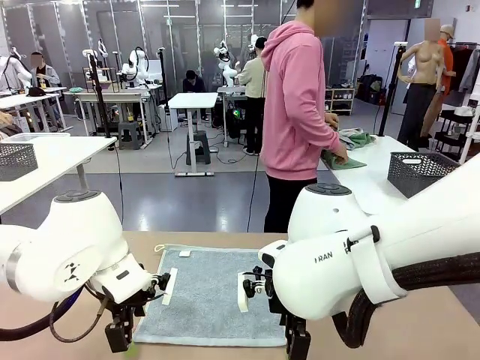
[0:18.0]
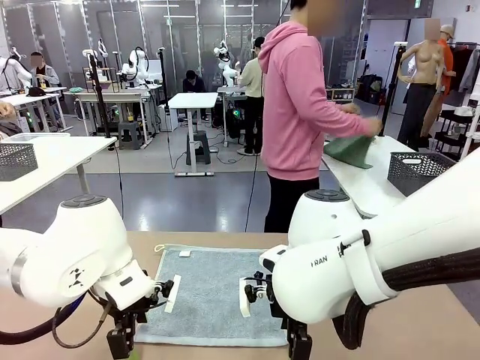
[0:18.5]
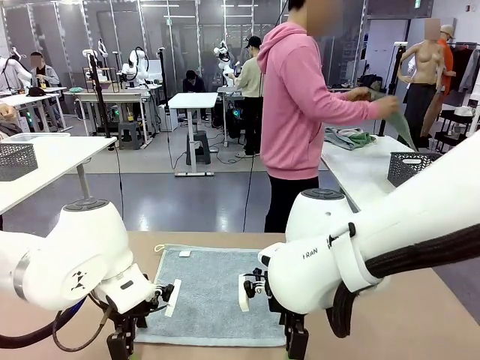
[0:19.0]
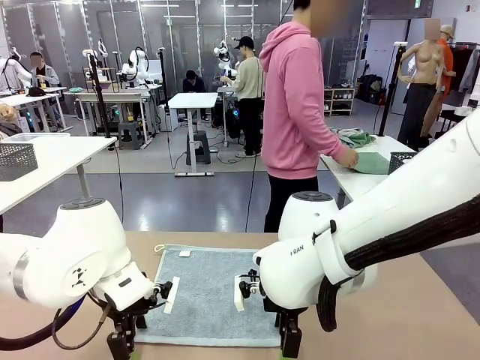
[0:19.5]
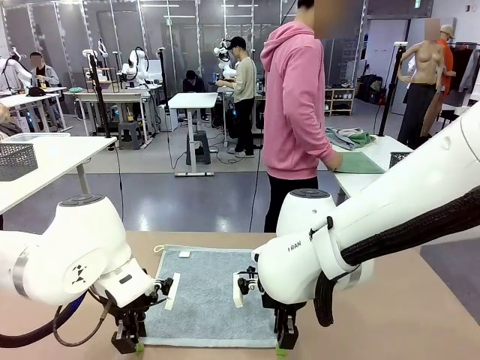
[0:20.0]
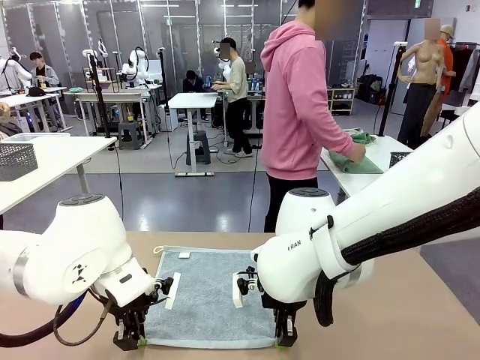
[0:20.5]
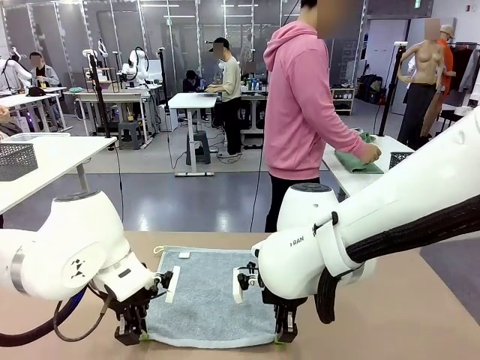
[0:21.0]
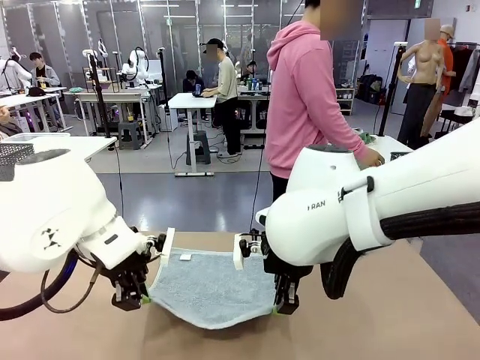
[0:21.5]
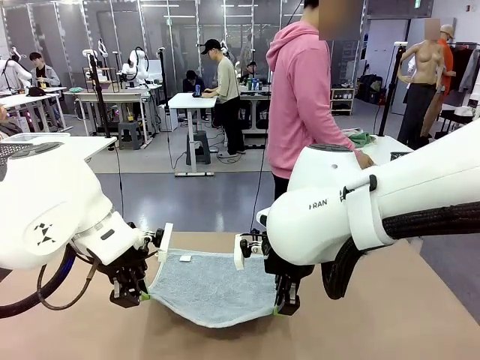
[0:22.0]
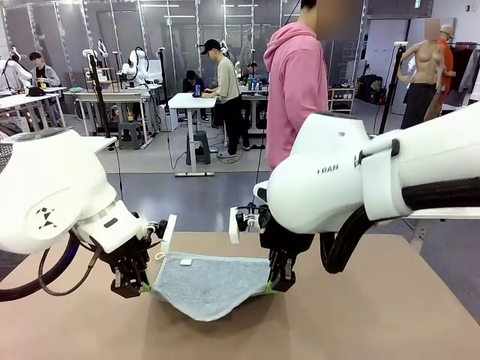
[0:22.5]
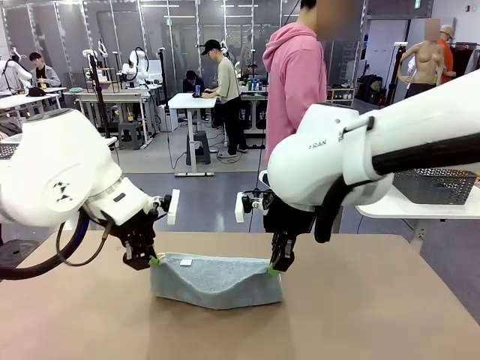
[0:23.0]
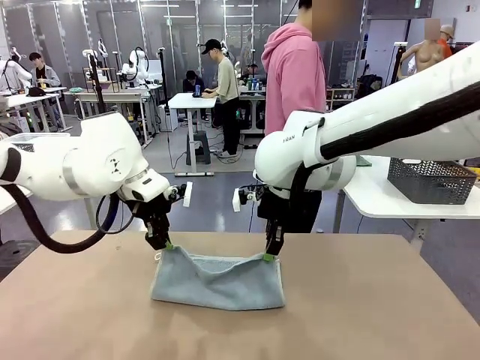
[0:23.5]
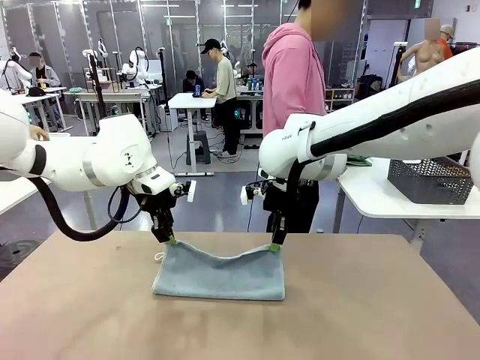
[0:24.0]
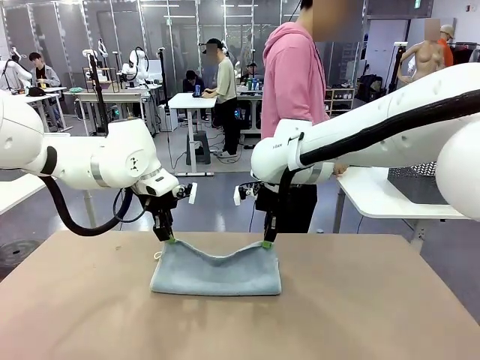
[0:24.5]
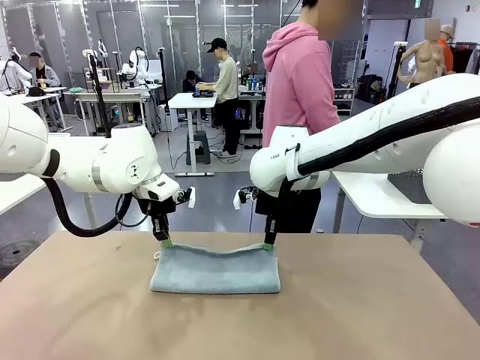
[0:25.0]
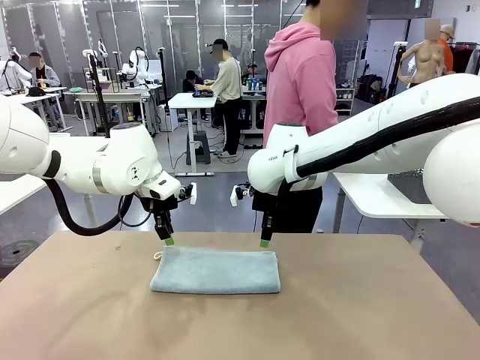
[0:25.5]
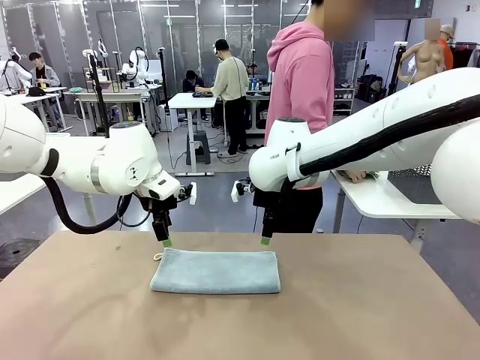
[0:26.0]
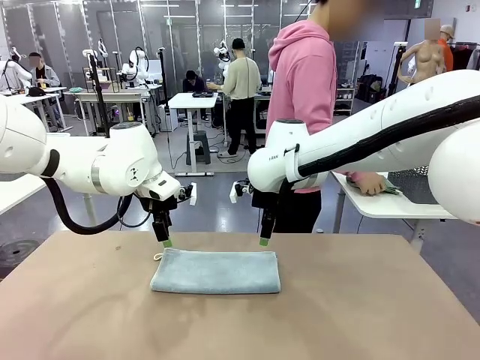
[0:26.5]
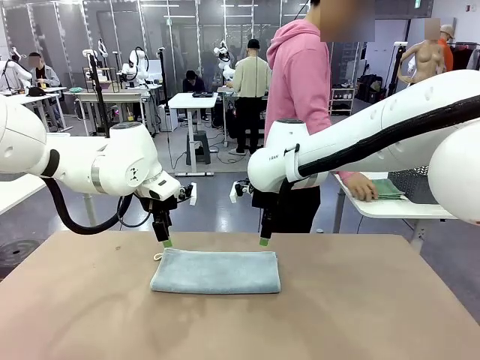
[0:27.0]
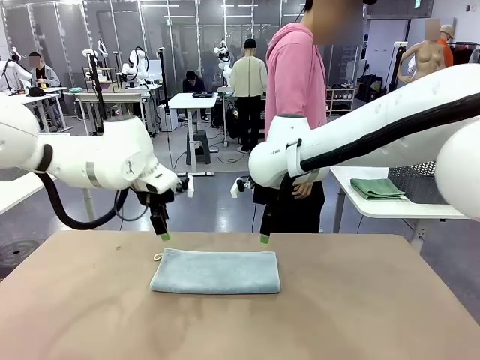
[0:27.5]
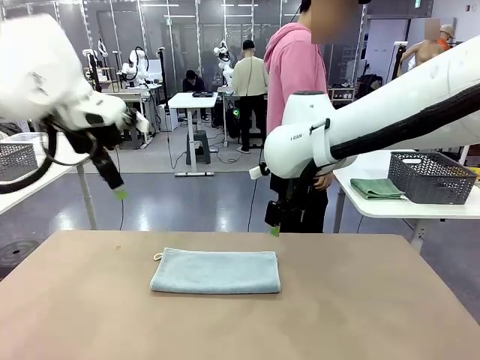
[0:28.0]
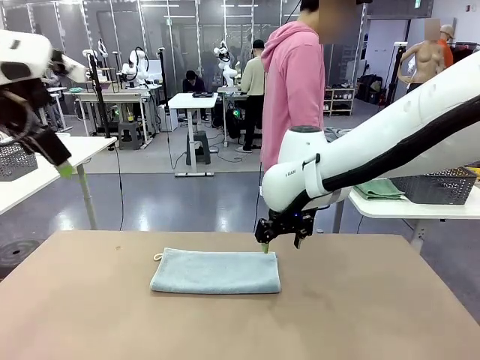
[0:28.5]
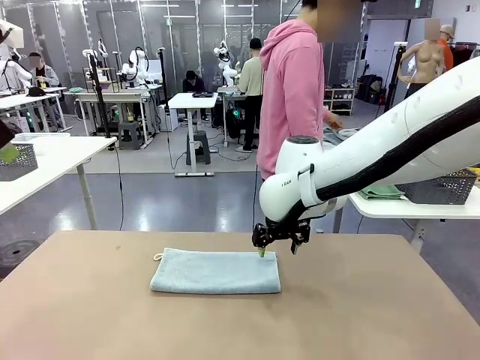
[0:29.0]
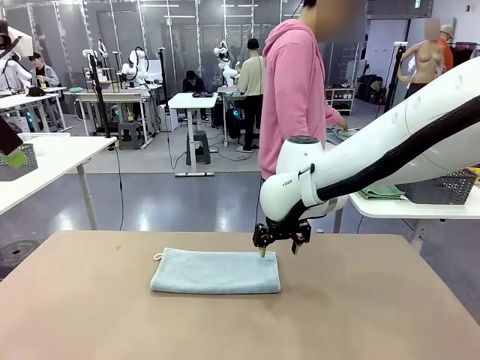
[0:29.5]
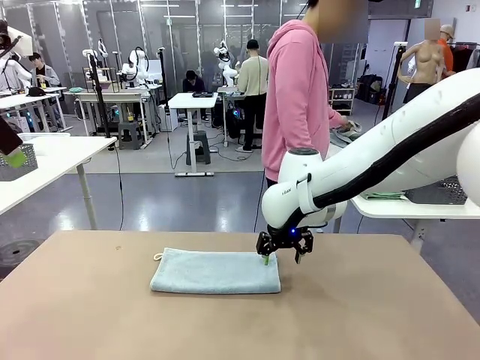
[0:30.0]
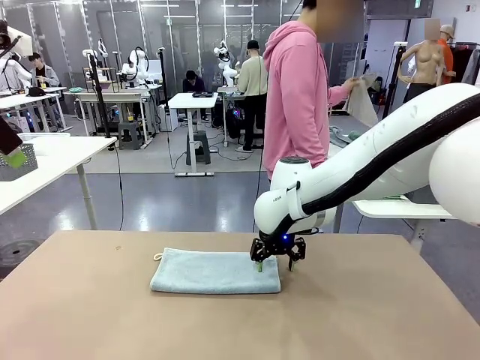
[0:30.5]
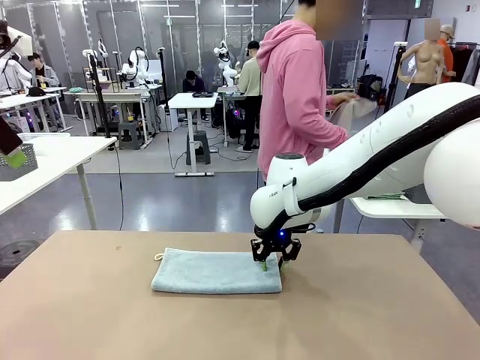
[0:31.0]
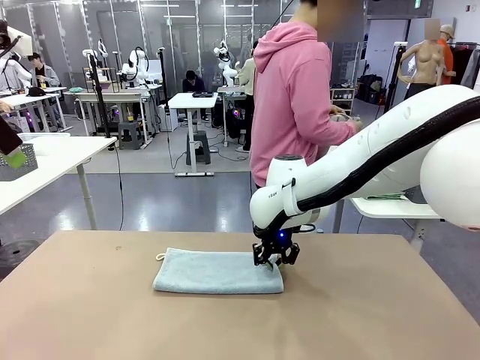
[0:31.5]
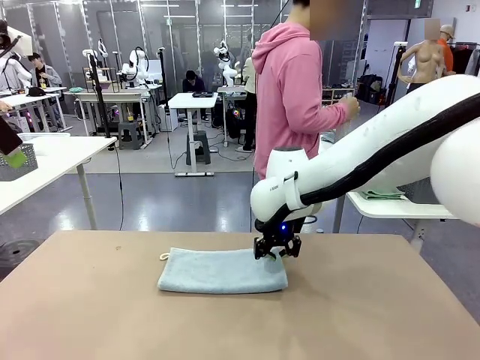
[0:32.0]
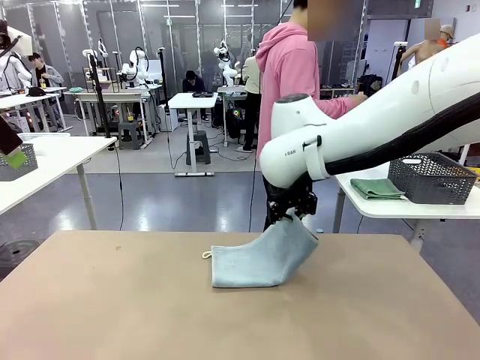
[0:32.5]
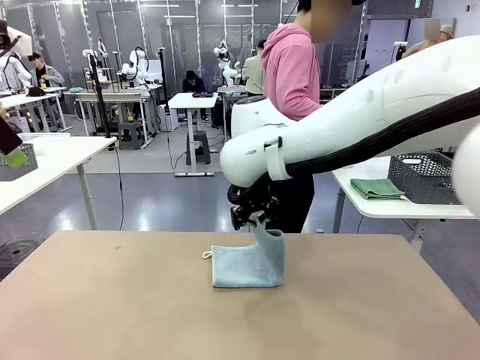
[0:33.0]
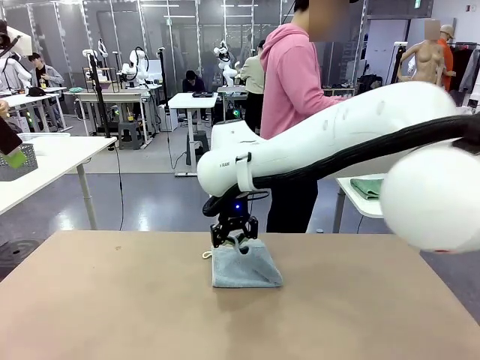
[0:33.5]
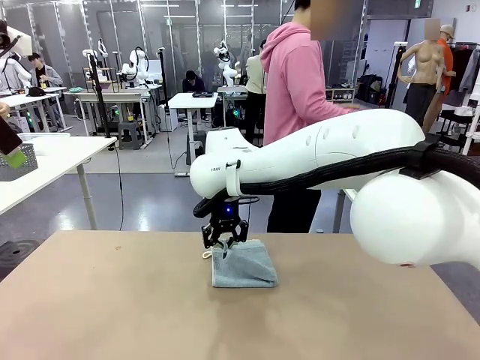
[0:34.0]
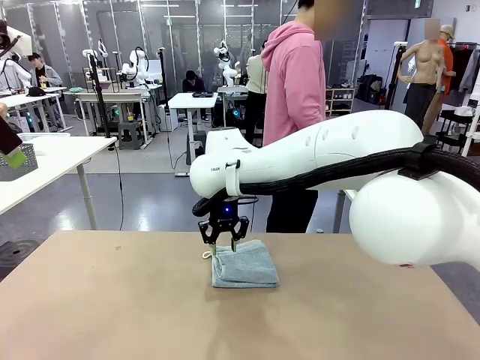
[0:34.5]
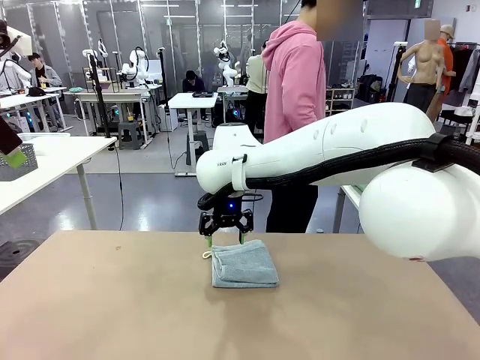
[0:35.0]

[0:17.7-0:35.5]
Task: Fold the towels and place them in the basket.
Robot: When a person lays out a Towel with hook on the table, fold it in half twice.
Person: Pick up one towel from the left side of the human table, fold it in half twice, and place it on the right side of the table.

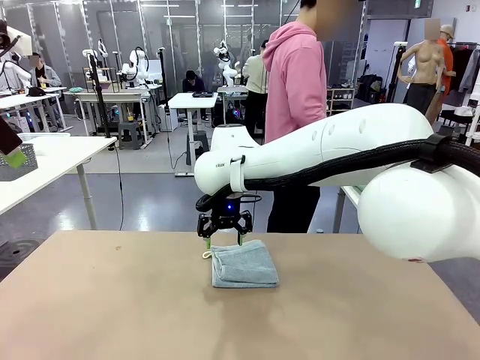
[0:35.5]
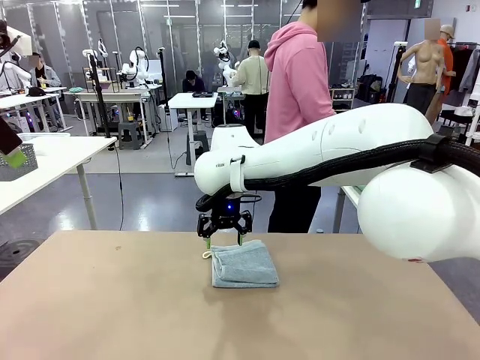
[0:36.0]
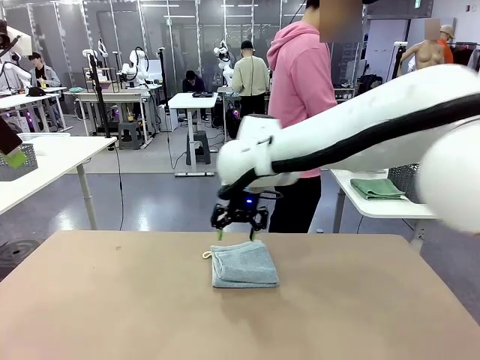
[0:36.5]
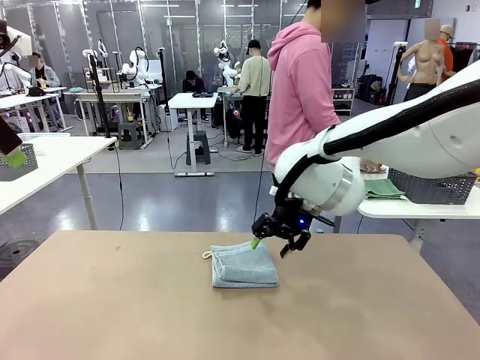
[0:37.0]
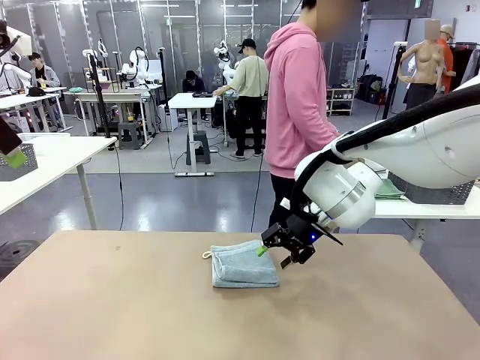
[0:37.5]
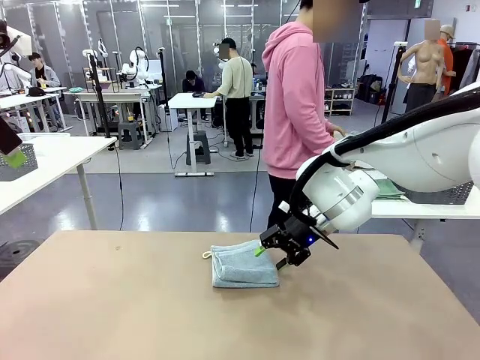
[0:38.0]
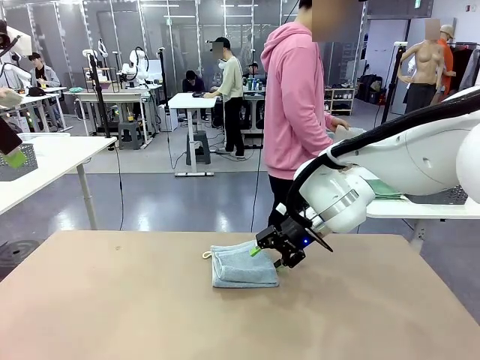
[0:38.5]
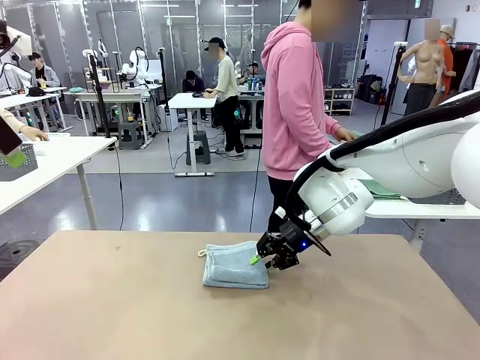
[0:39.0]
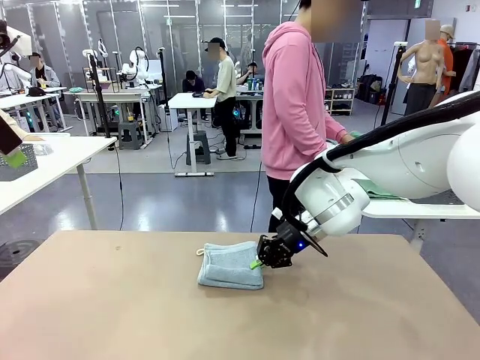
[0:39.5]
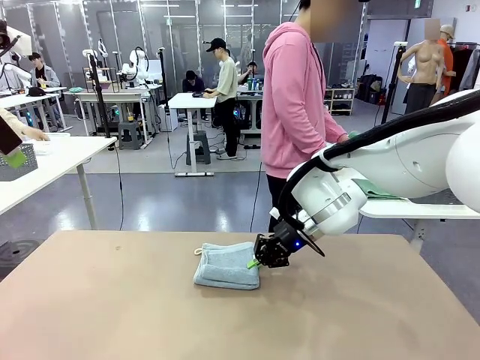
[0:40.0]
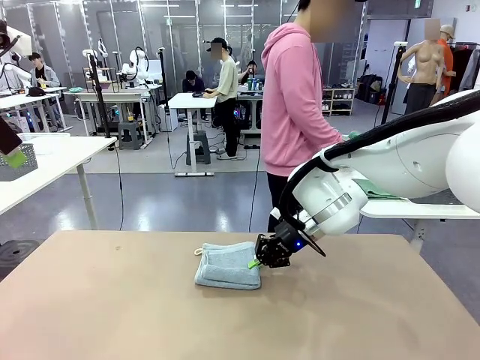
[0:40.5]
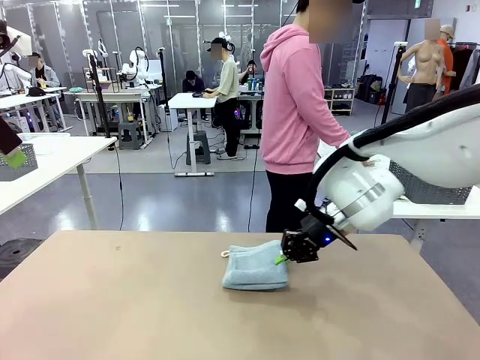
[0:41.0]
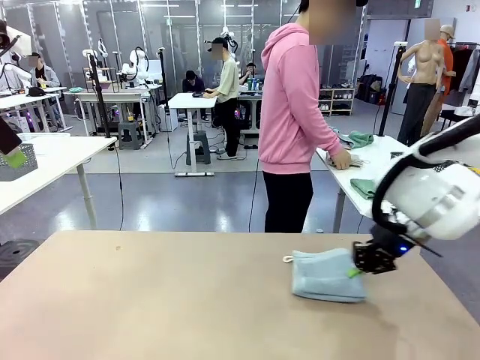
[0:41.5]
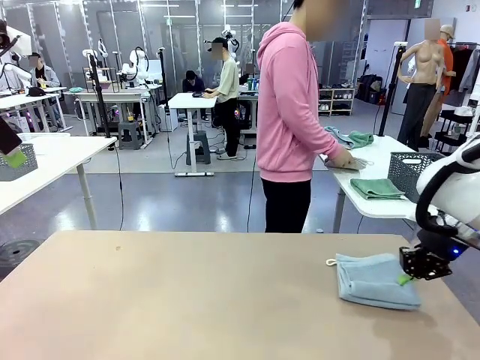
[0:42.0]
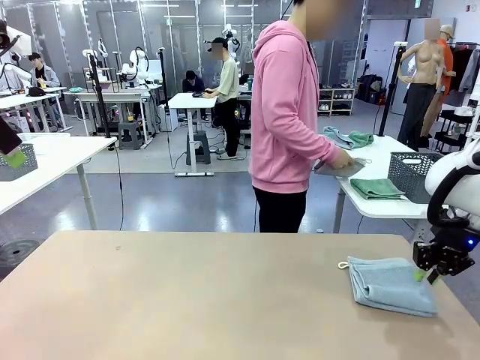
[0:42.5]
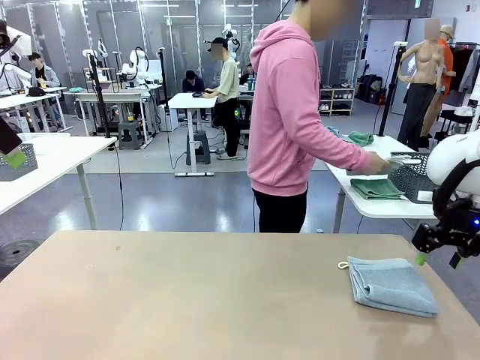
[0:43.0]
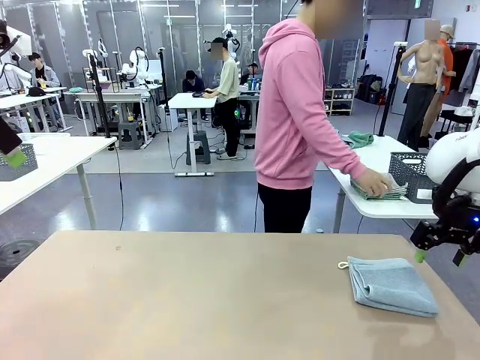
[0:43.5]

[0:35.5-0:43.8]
Robot: Place the folded Towel with hook on the right side of the table.
Person: Pick up one towel from the left side of the human table, fold it in half twice, and stack it on the right side of the table.
